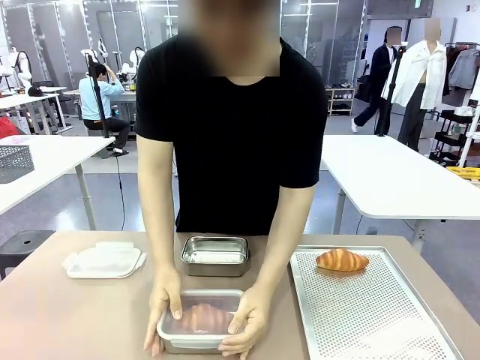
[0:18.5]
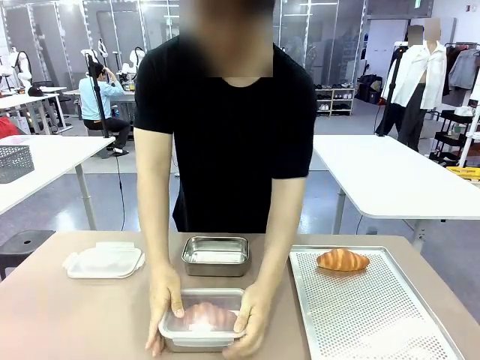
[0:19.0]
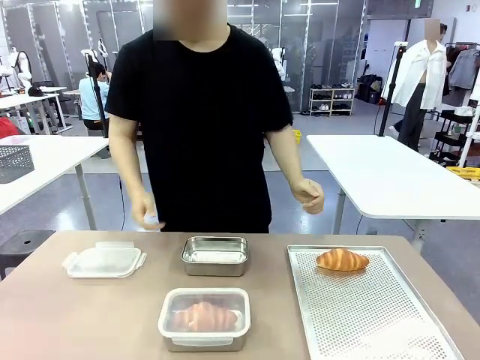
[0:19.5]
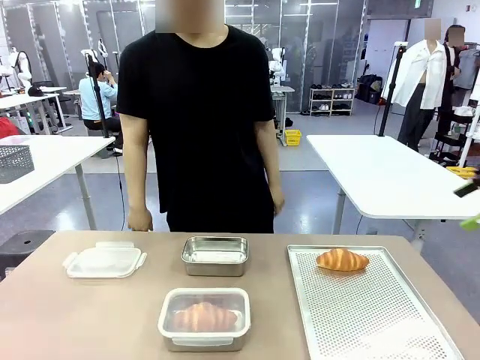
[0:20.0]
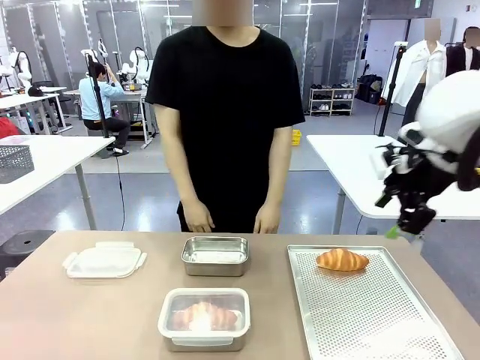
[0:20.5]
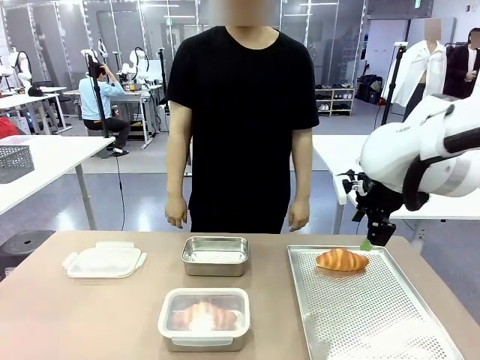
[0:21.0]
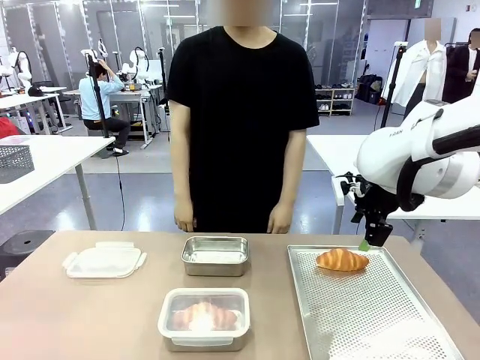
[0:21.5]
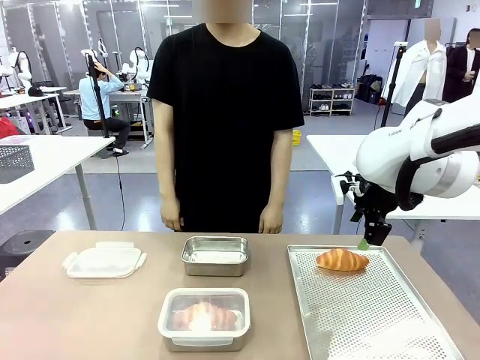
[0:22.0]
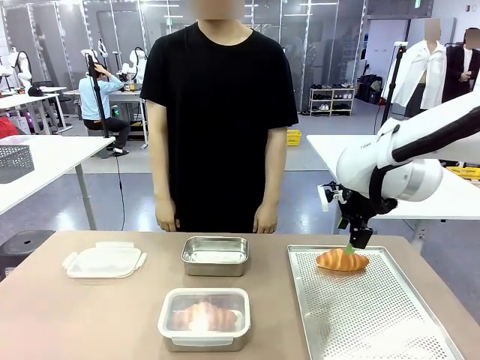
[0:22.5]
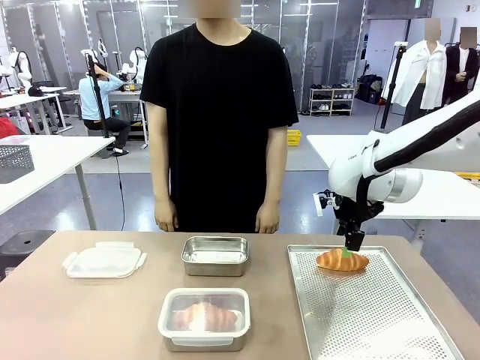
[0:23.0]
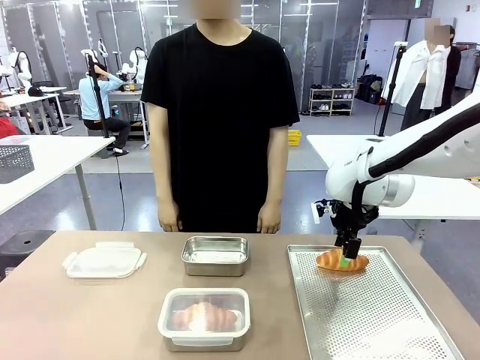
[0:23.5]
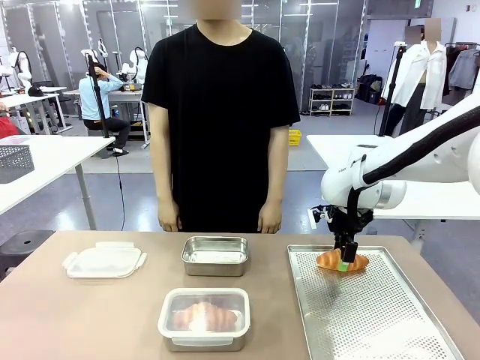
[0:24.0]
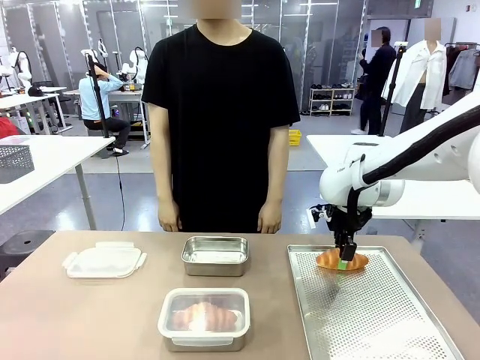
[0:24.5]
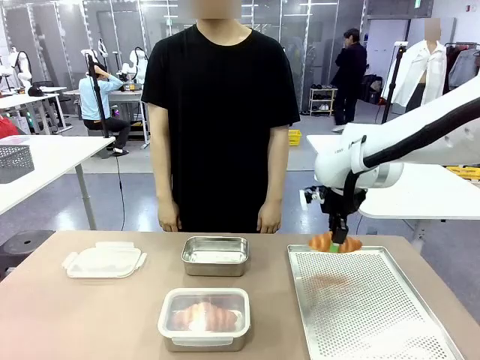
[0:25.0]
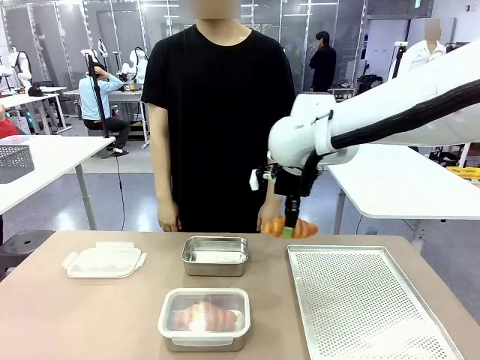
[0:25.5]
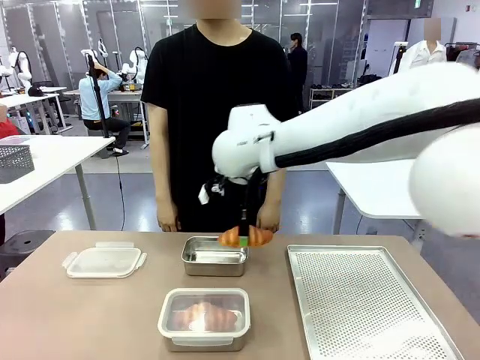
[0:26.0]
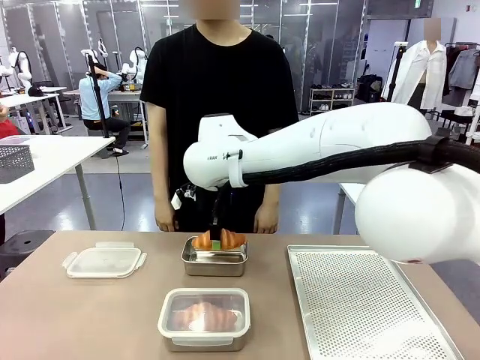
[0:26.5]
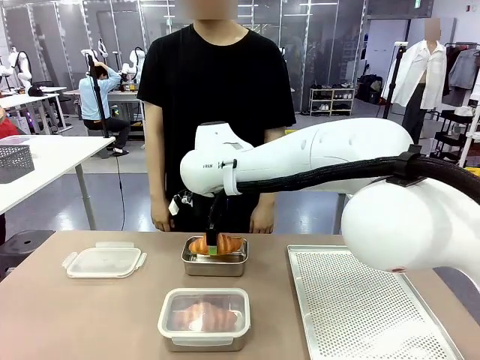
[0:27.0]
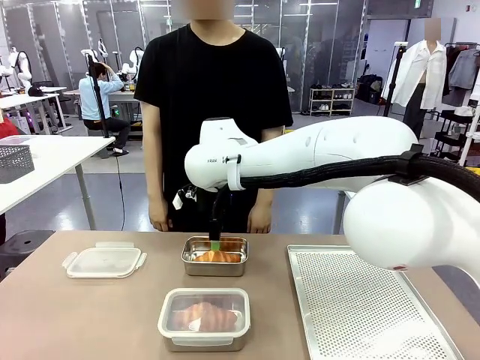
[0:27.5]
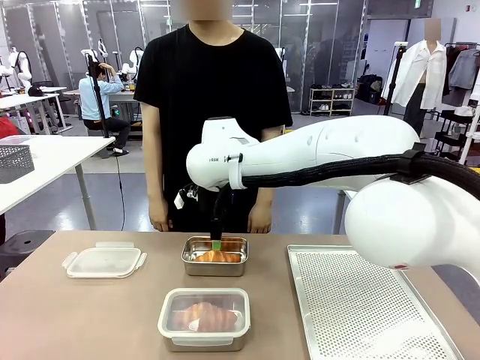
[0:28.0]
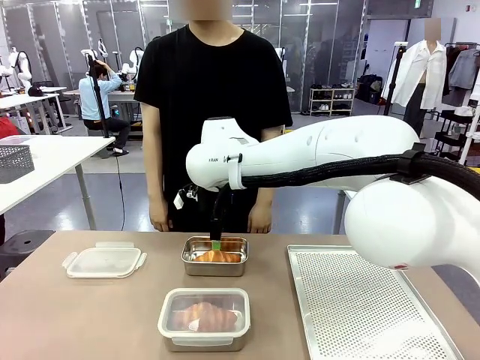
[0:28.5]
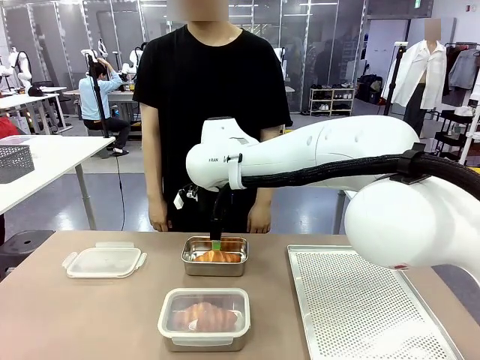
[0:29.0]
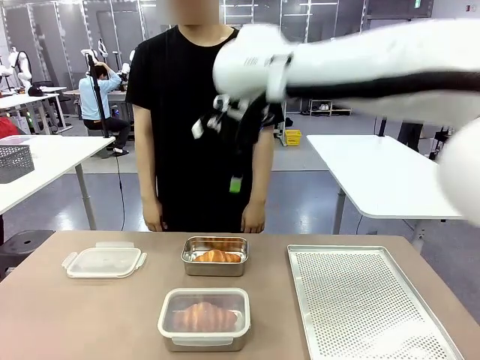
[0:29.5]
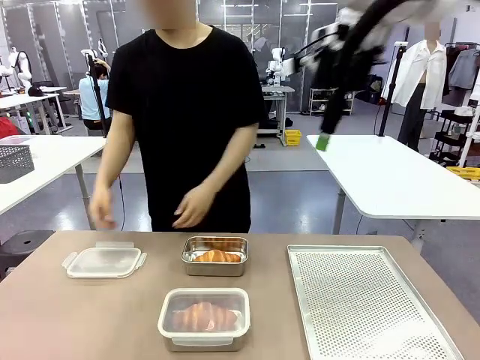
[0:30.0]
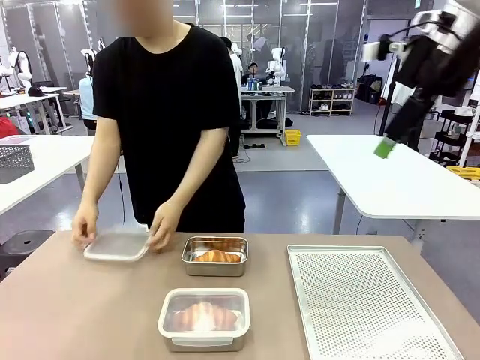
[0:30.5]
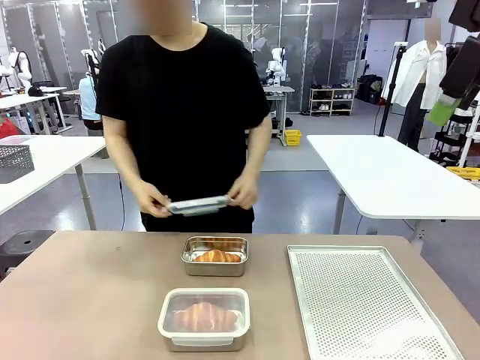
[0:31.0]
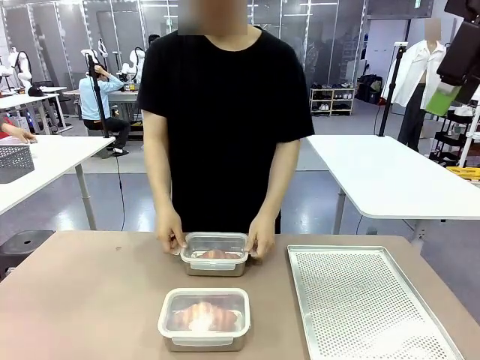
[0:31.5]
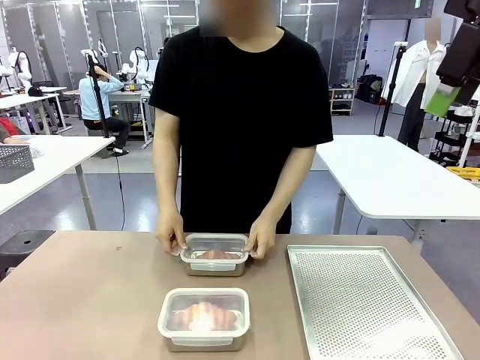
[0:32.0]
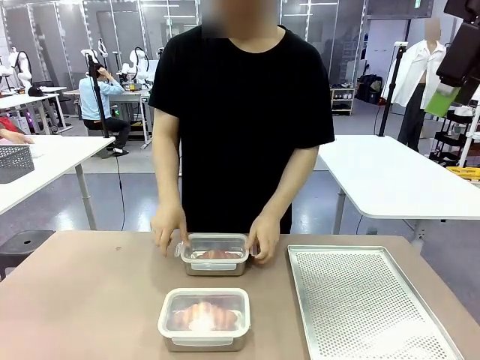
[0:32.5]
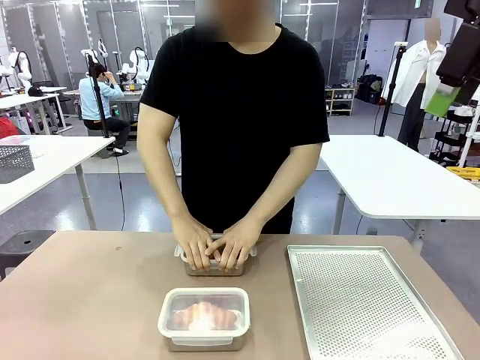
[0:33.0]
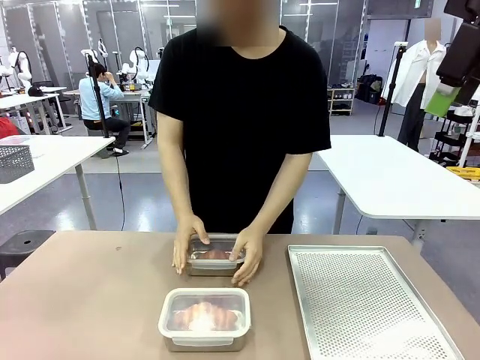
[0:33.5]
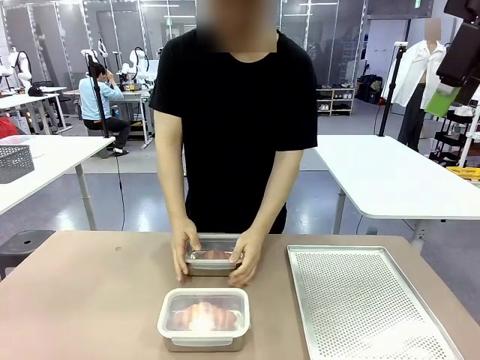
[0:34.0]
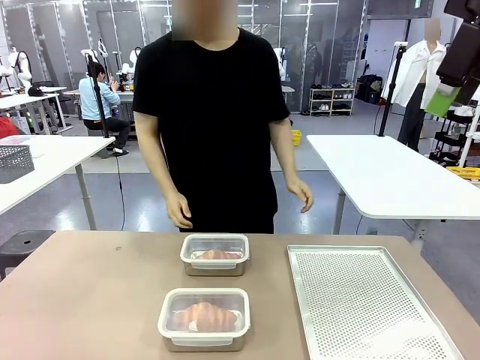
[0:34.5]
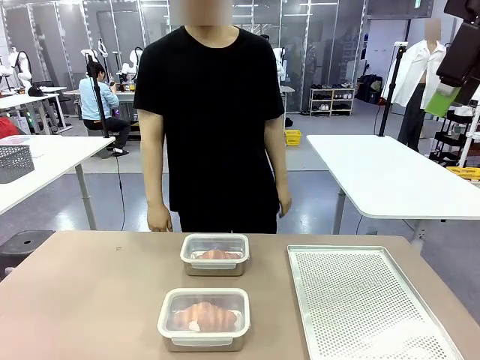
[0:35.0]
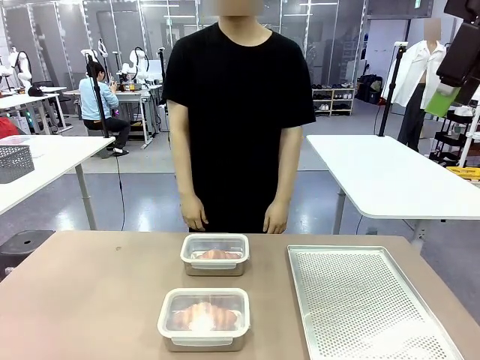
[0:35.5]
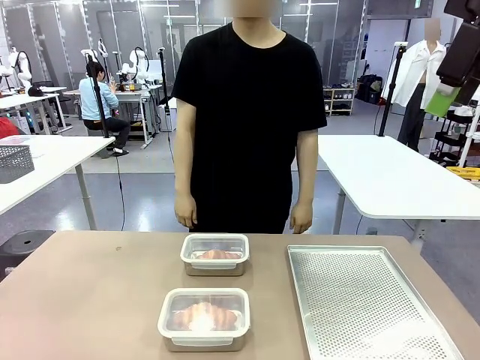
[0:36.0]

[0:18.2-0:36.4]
Task: Place the bread into the airtight container.
Robot: Pick up a Butter Roll and place it into an empty Airtight Container.
